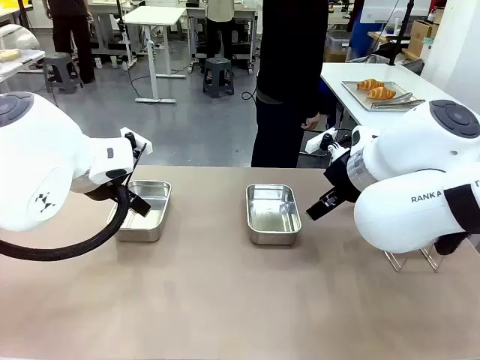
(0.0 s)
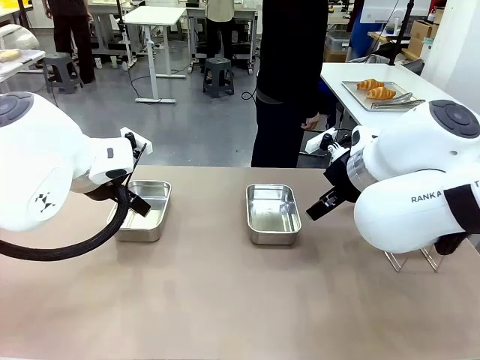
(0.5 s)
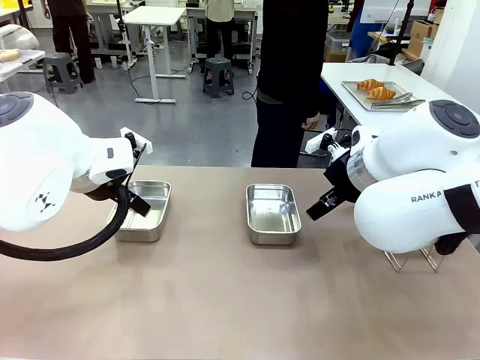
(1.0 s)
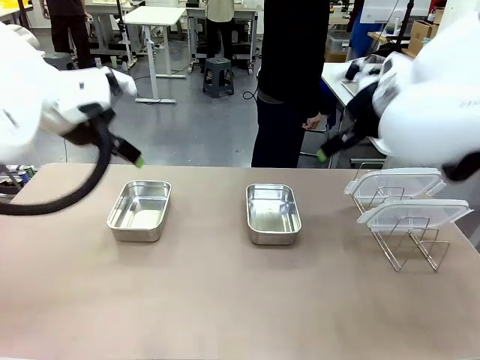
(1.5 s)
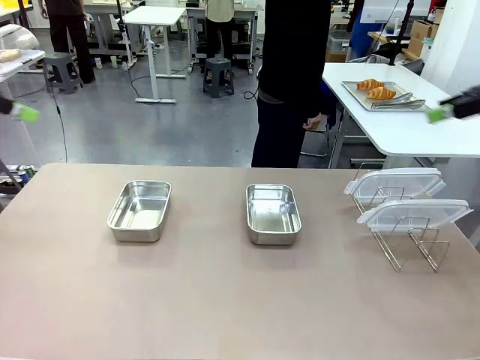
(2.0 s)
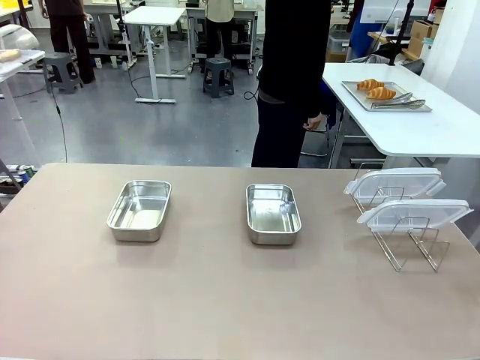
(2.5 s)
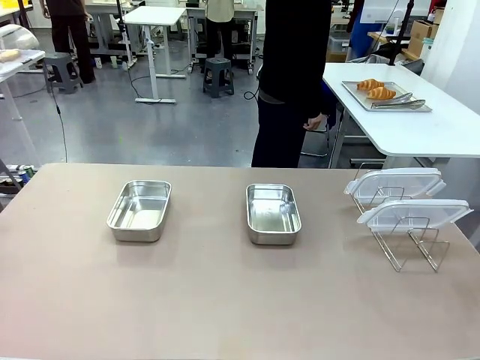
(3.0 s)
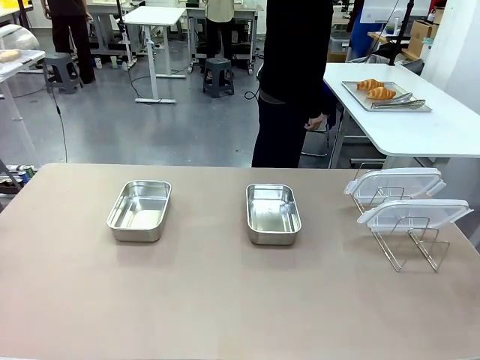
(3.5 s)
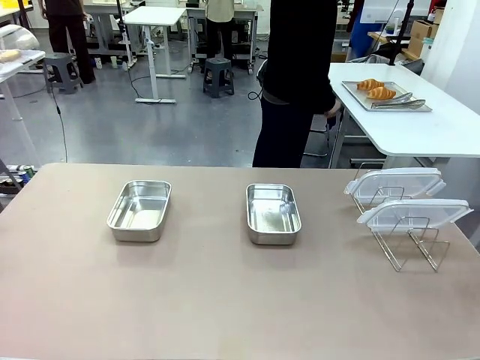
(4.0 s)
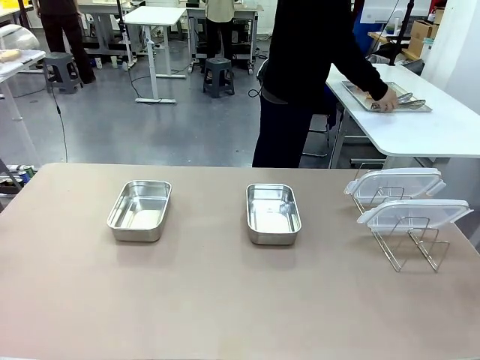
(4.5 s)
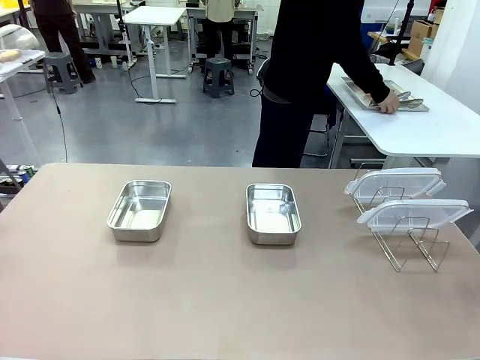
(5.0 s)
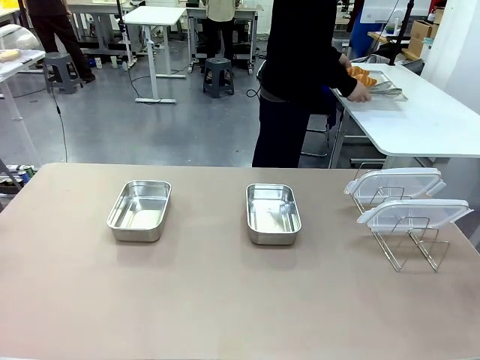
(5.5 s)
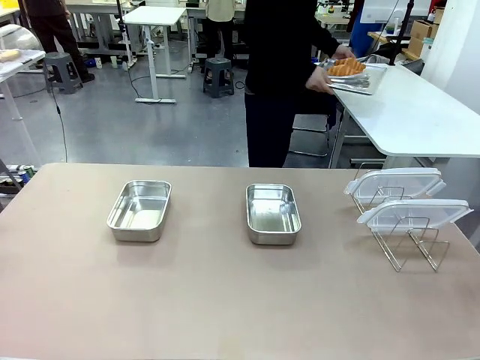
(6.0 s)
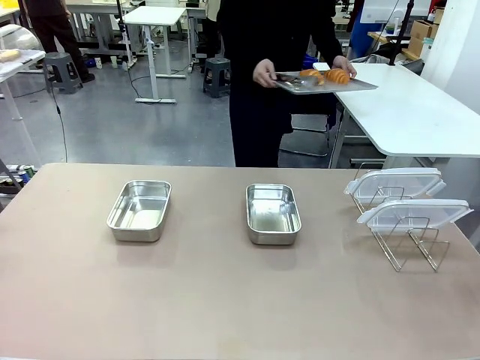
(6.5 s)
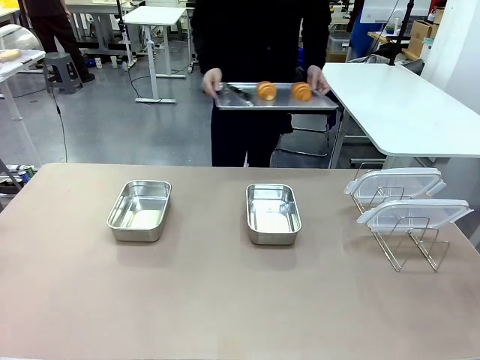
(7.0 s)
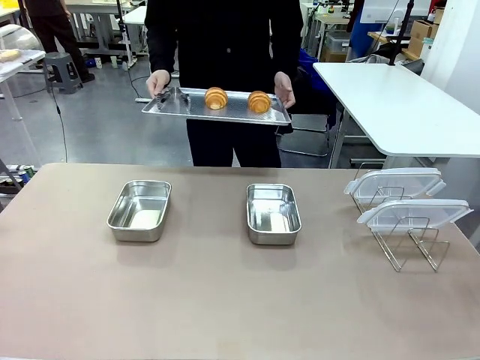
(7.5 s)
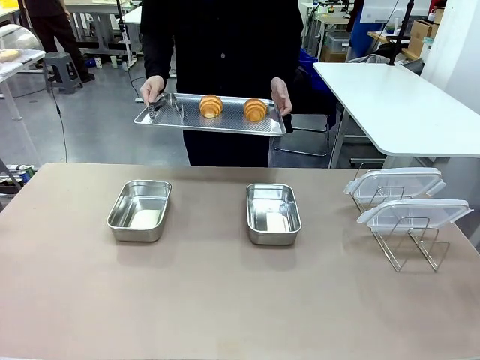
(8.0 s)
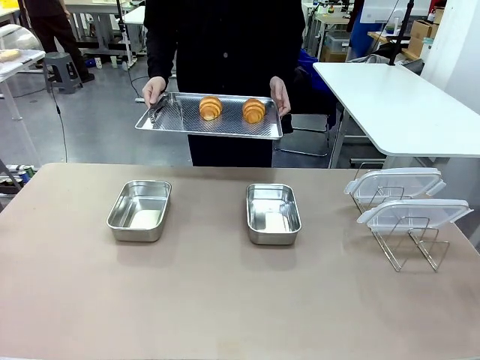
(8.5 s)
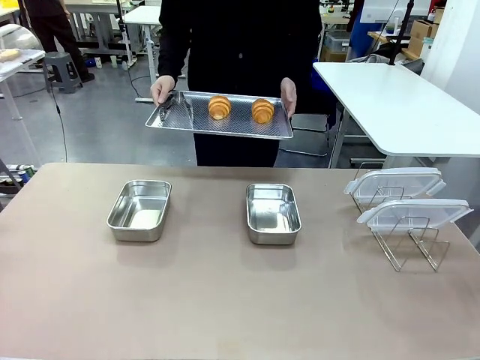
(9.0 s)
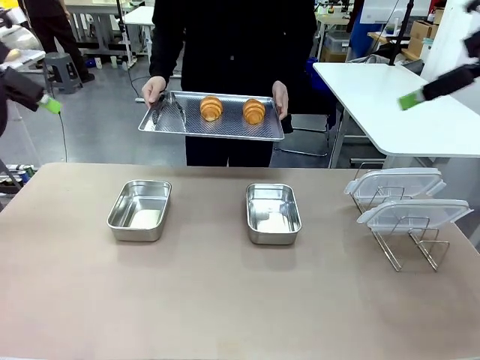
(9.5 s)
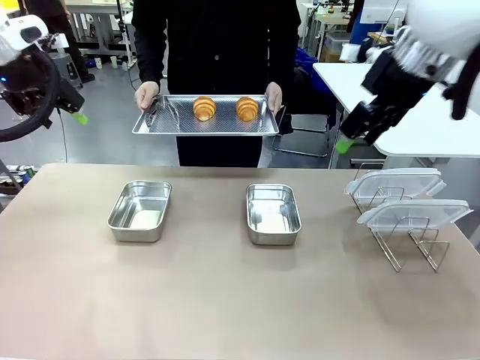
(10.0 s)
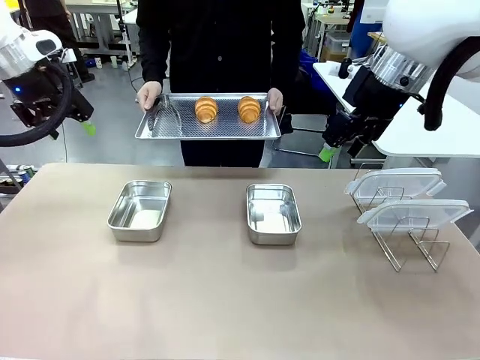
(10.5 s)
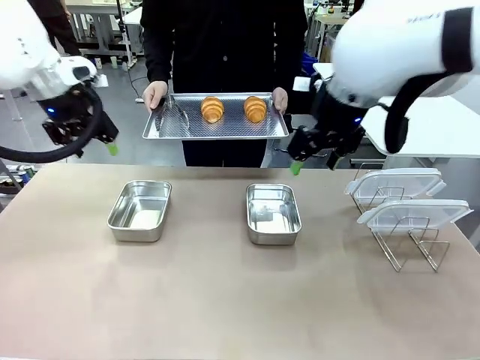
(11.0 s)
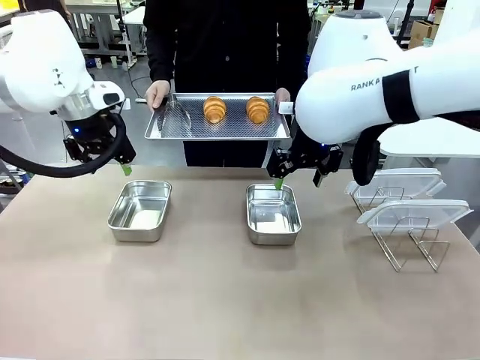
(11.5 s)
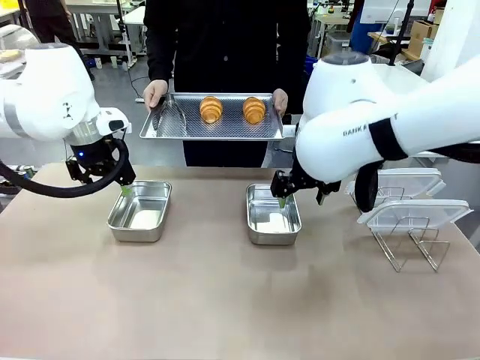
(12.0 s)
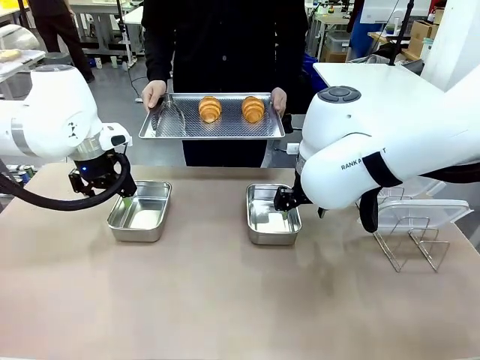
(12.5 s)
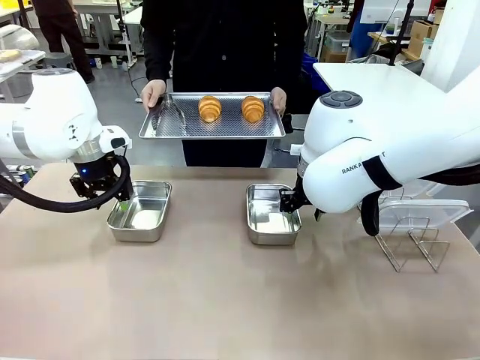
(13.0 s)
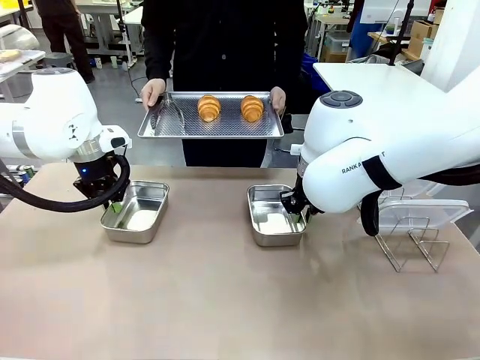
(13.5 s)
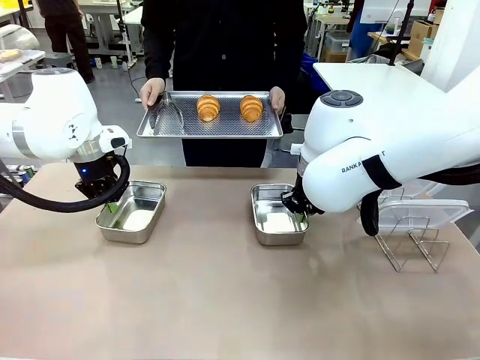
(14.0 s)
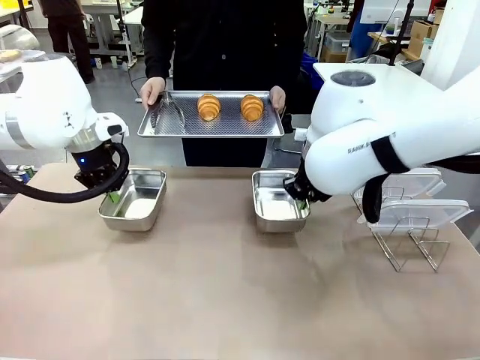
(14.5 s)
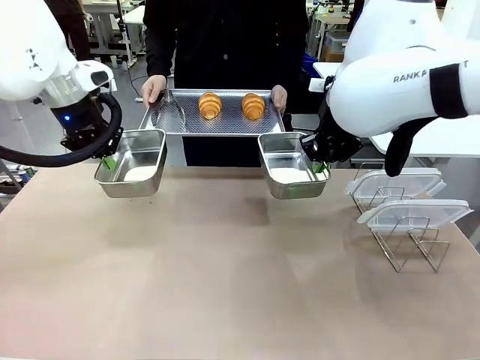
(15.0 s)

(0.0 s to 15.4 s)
Task: Place the bread in airtight containers.
Robot: Lift both Airtight Container.
Person: Bring the Baking Sheet in front of Robot's Table.

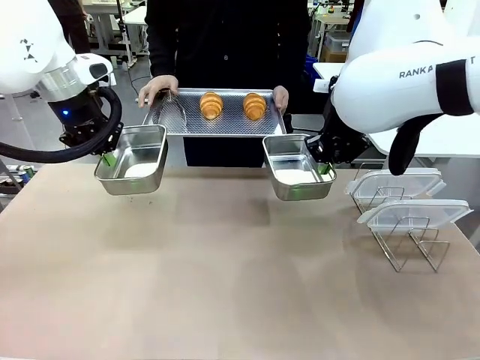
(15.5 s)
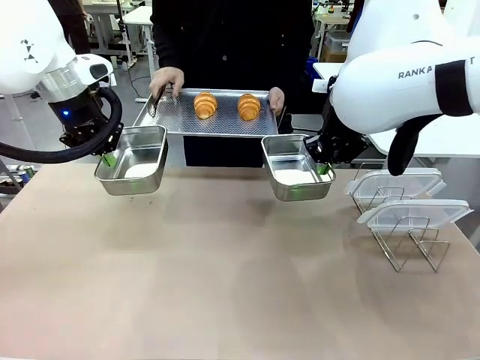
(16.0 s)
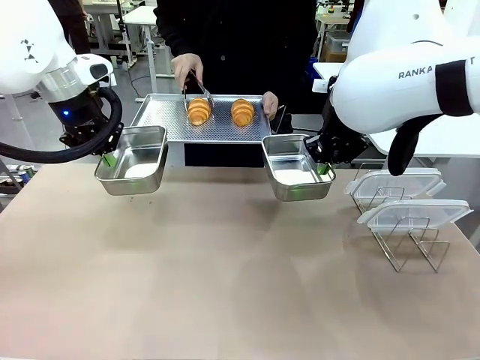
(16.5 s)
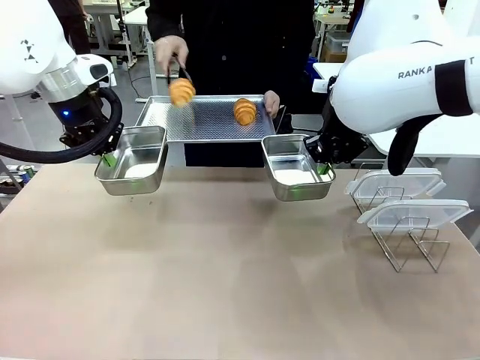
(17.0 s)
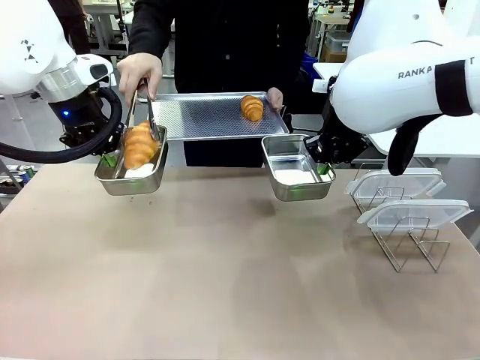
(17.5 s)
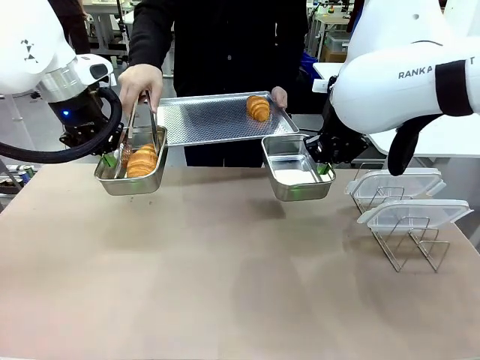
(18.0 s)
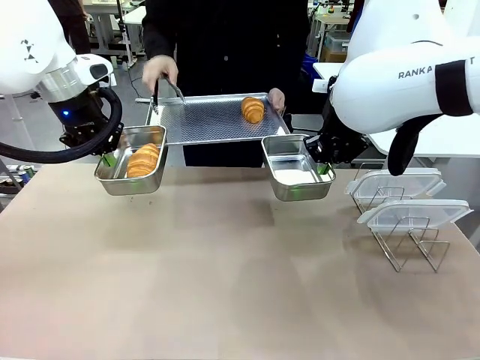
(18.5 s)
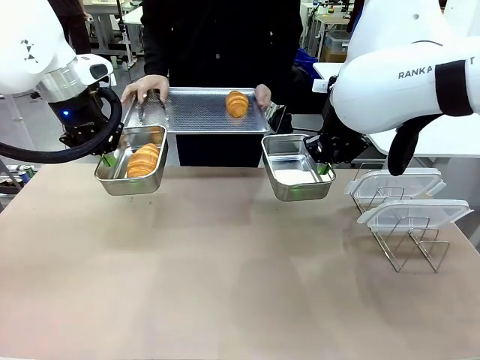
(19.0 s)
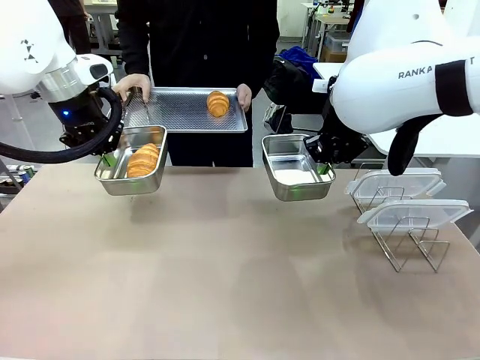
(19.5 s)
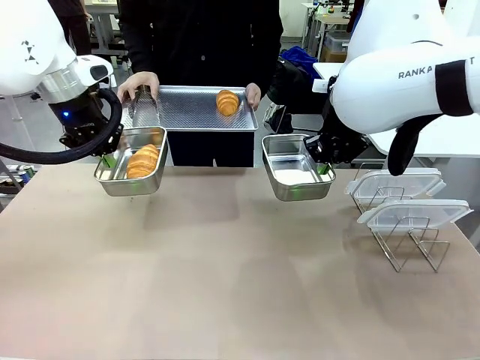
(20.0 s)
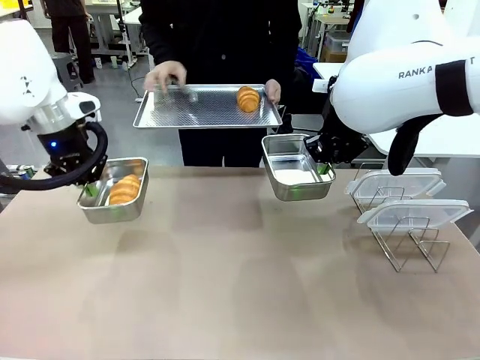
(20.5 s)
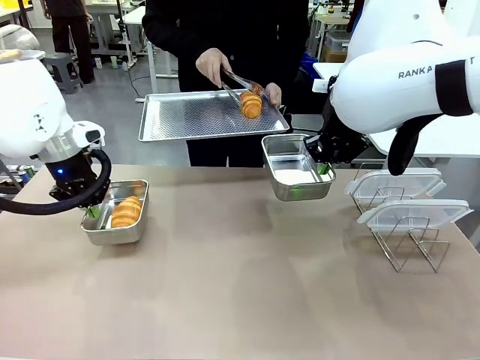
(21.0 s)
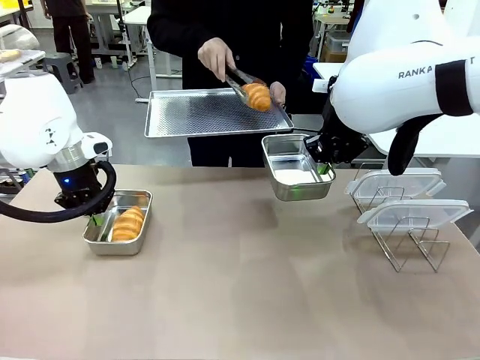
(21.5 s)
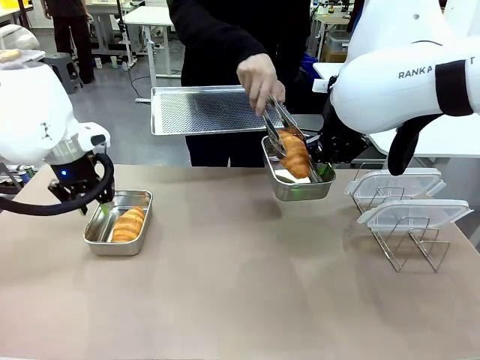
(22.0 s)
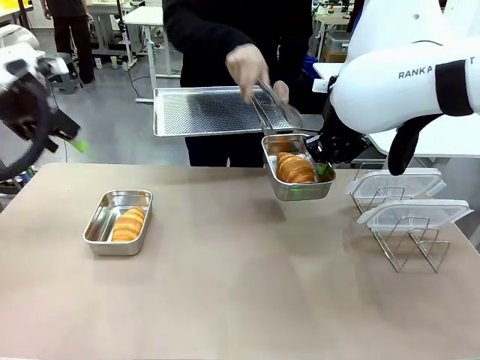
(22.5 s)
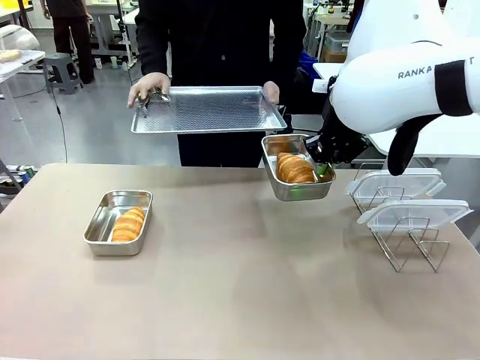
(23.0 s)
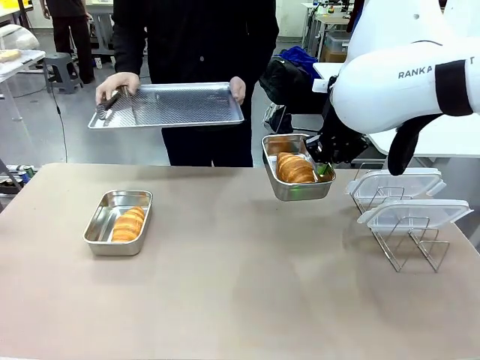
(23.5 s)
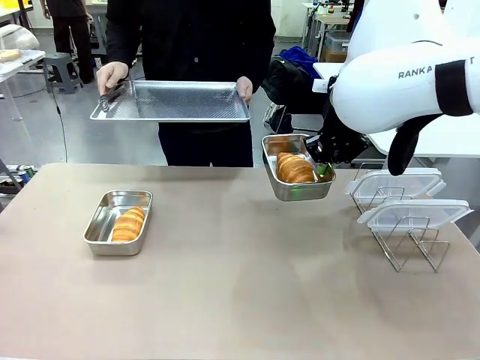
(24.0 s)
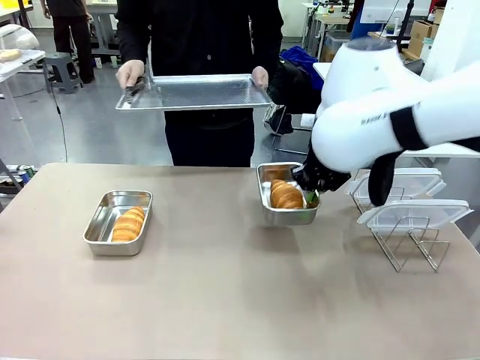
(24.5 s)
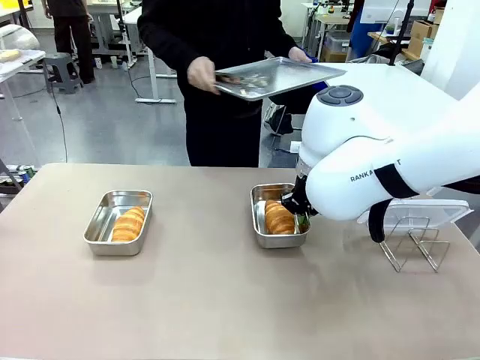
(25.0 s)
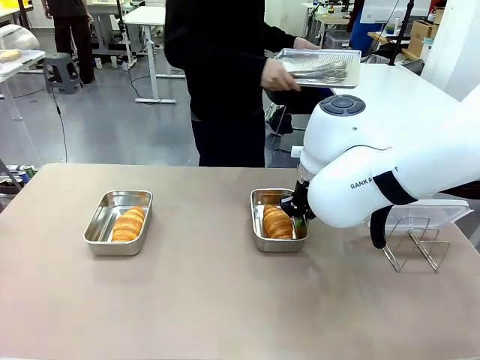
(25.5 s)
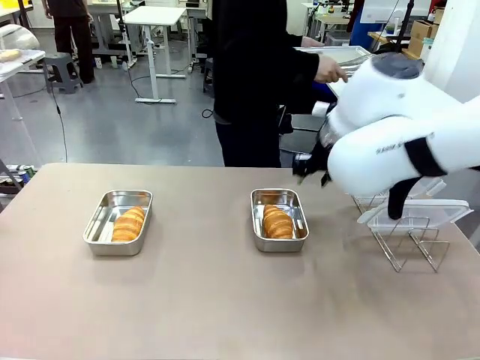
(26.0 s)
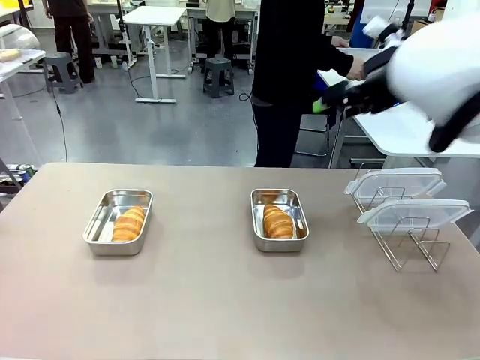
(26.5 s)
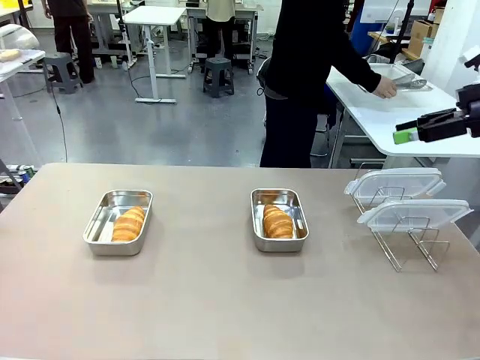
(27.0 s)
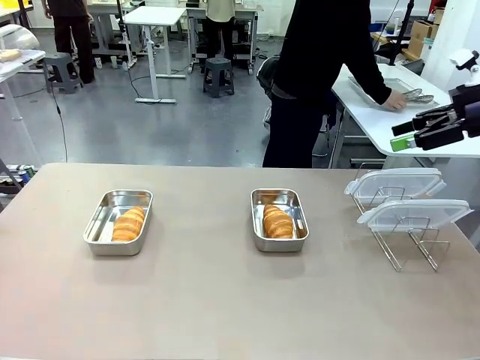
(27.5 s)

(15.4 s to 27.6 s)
Robot: Once an object is inside an Airtight Container , place the container in the center of the table.
Person: Use the Stainless steel tongs to place one object from Baking Sheet into one Airtight Container. Place Baking Sheet on the Human's Table.
